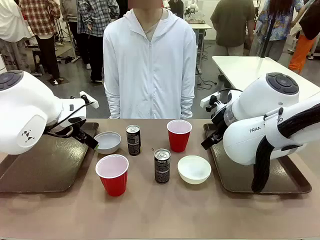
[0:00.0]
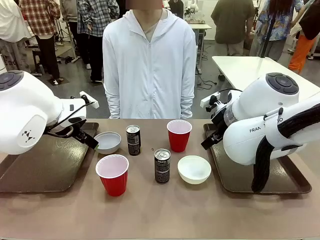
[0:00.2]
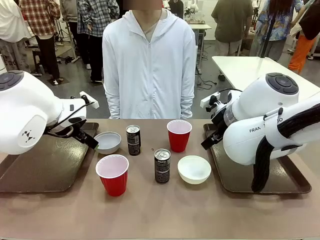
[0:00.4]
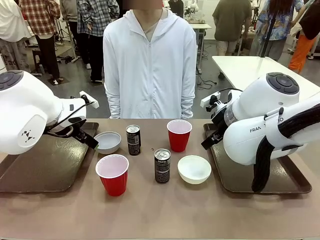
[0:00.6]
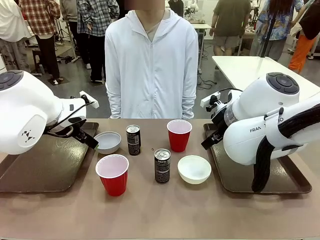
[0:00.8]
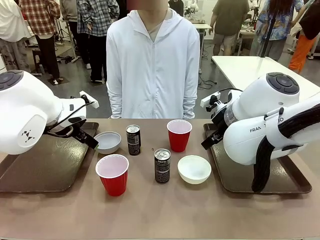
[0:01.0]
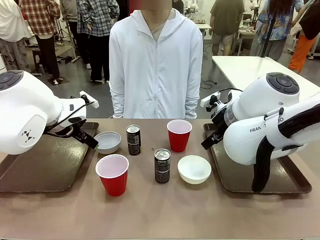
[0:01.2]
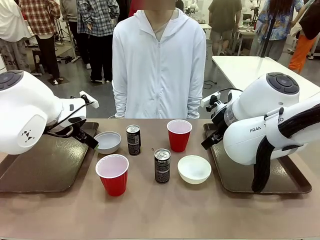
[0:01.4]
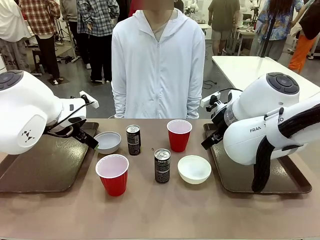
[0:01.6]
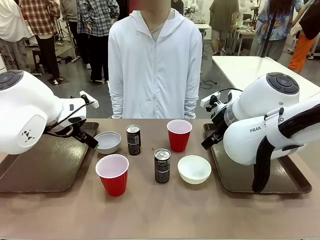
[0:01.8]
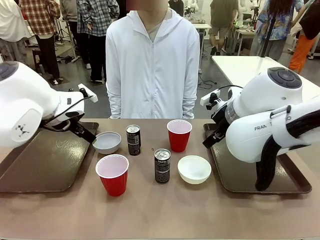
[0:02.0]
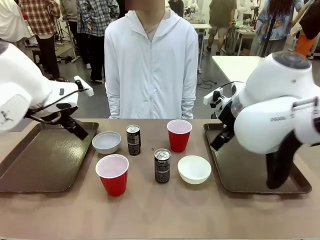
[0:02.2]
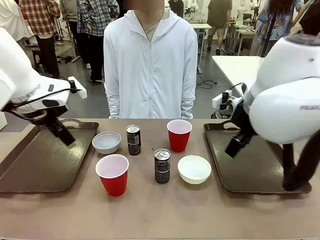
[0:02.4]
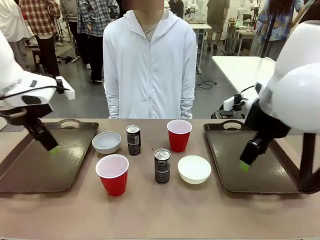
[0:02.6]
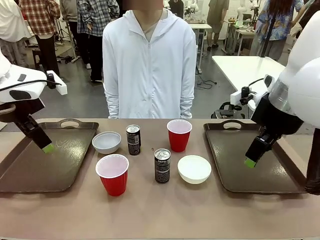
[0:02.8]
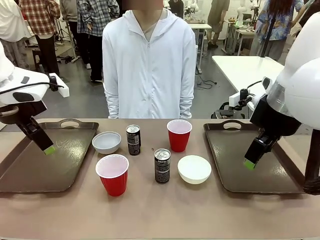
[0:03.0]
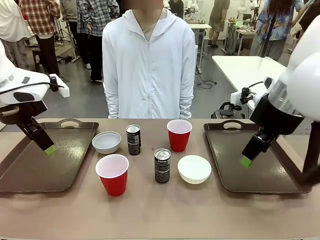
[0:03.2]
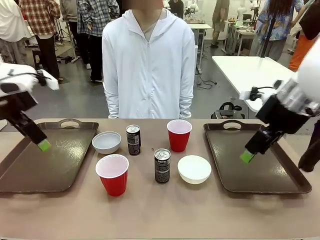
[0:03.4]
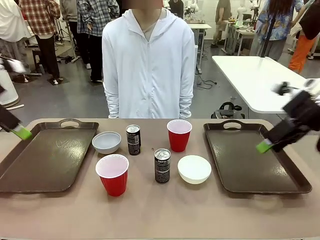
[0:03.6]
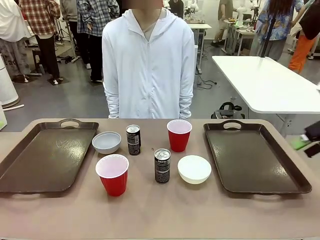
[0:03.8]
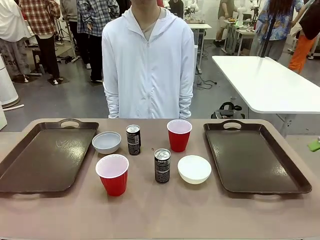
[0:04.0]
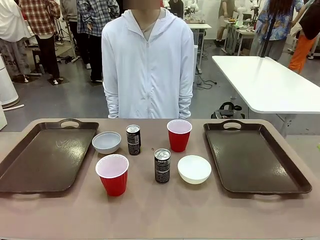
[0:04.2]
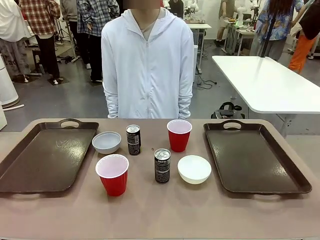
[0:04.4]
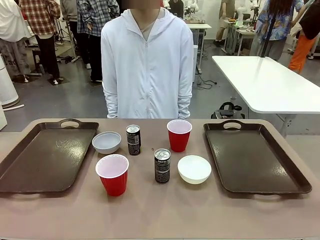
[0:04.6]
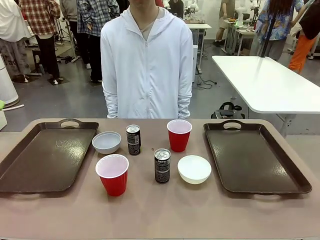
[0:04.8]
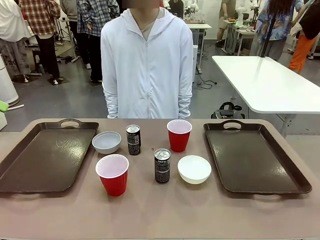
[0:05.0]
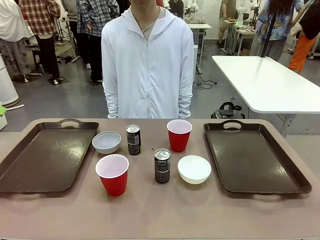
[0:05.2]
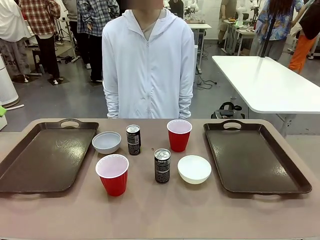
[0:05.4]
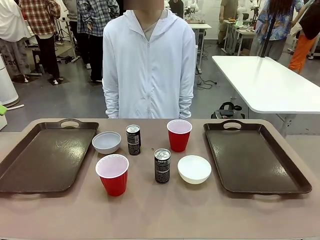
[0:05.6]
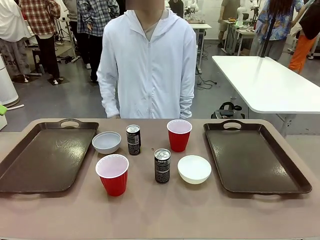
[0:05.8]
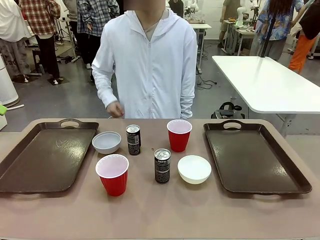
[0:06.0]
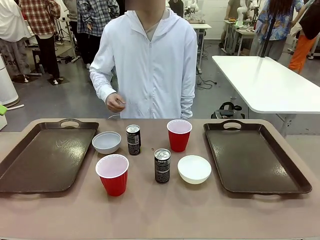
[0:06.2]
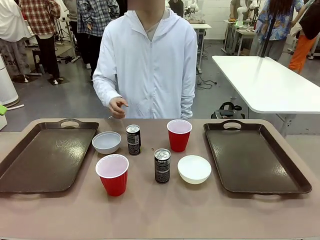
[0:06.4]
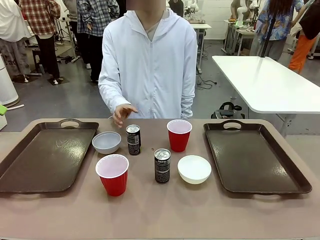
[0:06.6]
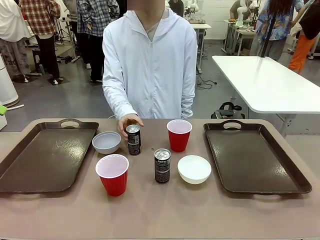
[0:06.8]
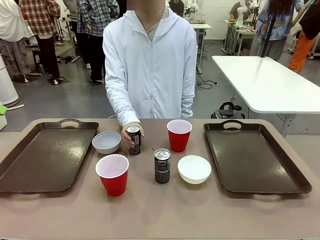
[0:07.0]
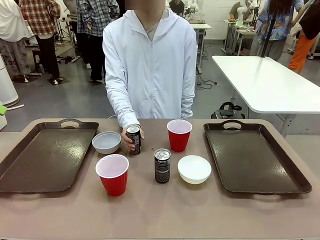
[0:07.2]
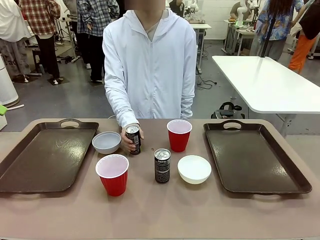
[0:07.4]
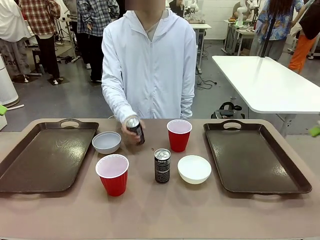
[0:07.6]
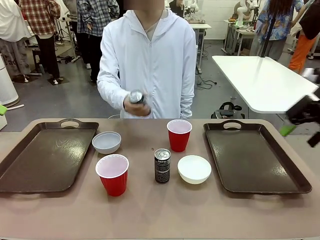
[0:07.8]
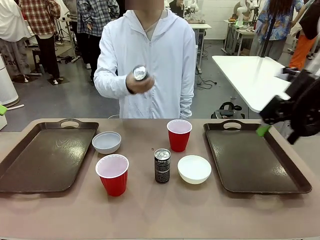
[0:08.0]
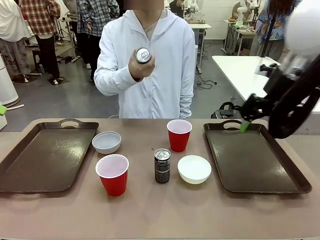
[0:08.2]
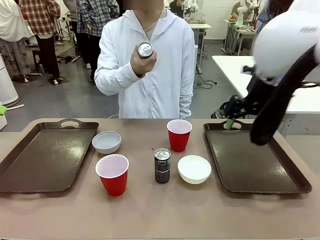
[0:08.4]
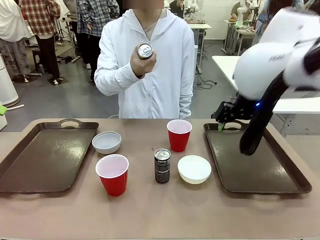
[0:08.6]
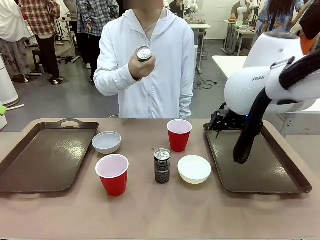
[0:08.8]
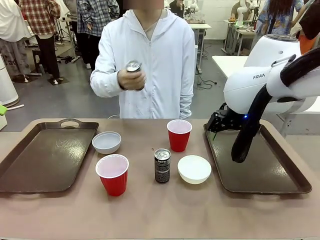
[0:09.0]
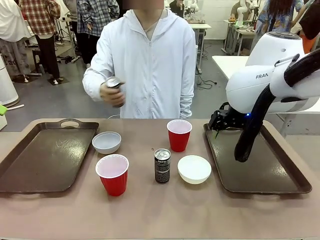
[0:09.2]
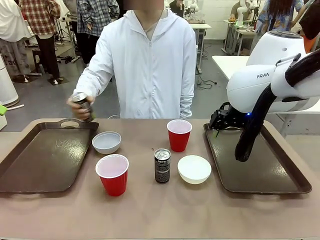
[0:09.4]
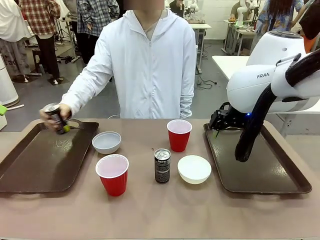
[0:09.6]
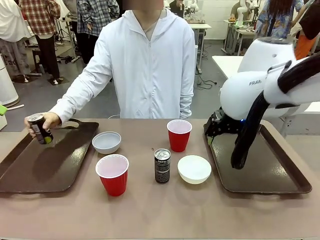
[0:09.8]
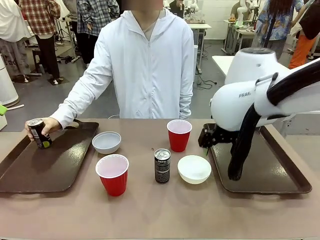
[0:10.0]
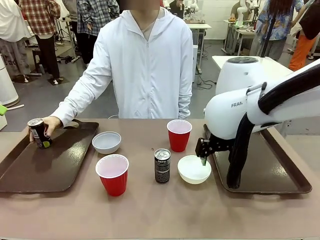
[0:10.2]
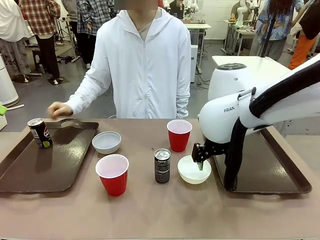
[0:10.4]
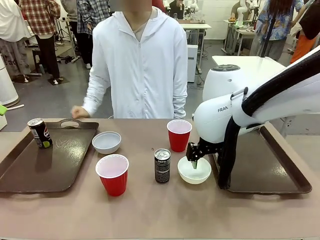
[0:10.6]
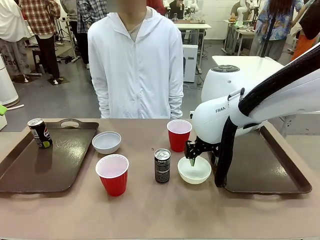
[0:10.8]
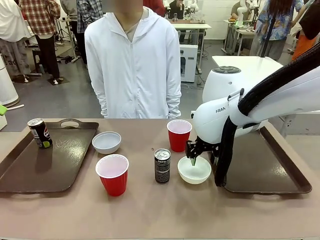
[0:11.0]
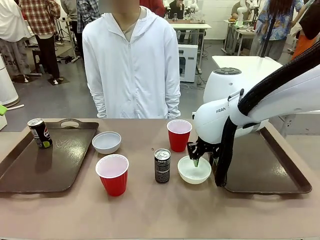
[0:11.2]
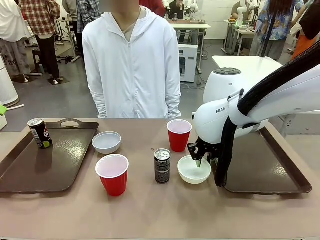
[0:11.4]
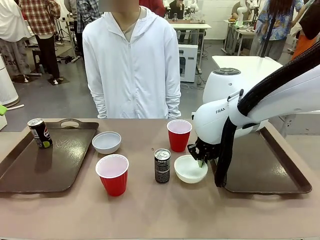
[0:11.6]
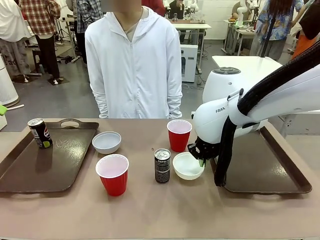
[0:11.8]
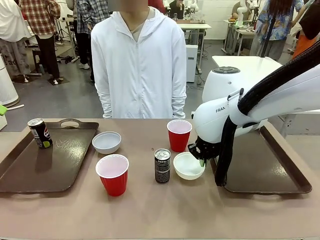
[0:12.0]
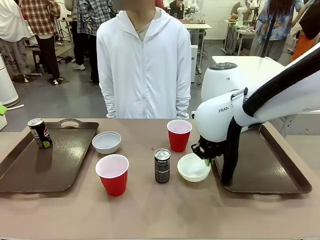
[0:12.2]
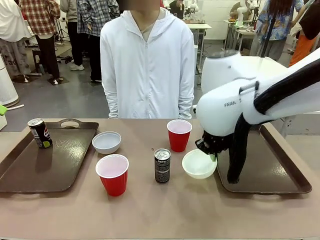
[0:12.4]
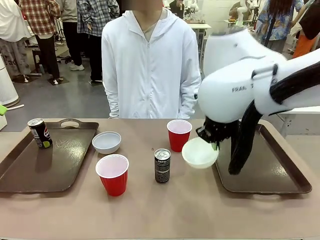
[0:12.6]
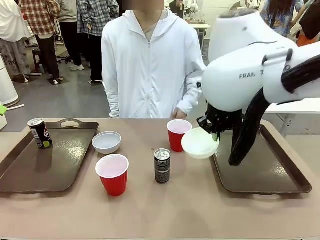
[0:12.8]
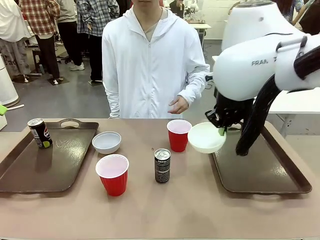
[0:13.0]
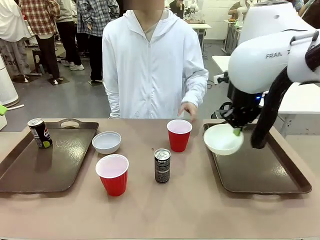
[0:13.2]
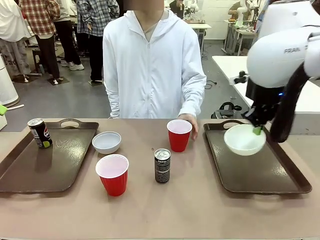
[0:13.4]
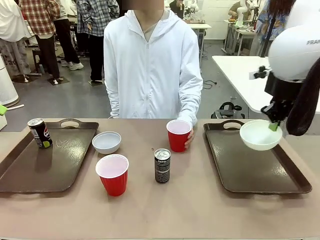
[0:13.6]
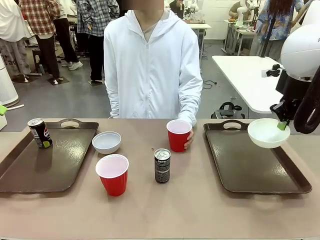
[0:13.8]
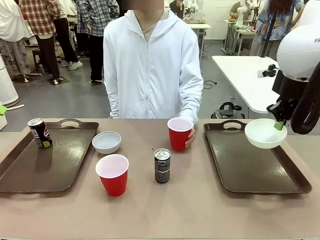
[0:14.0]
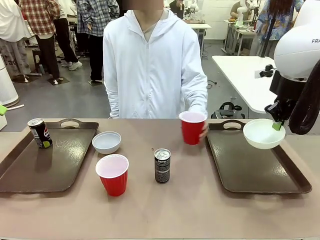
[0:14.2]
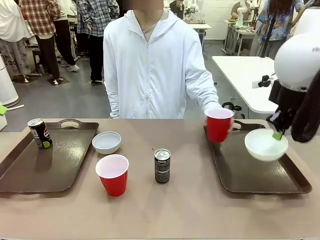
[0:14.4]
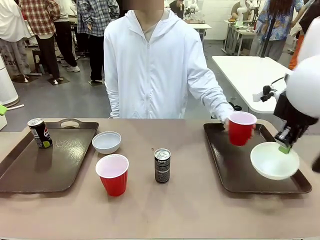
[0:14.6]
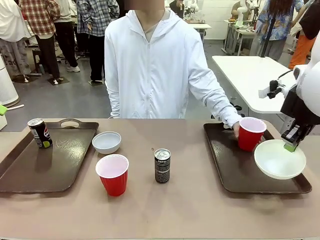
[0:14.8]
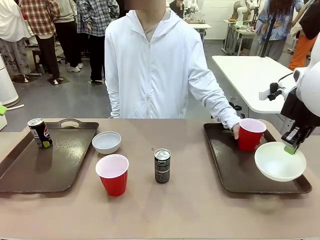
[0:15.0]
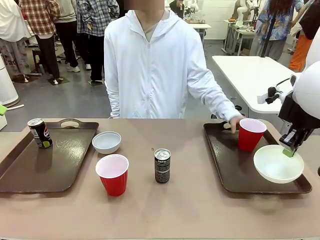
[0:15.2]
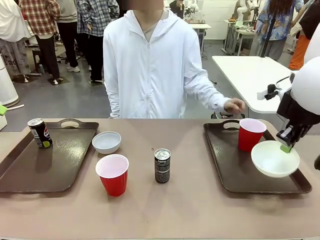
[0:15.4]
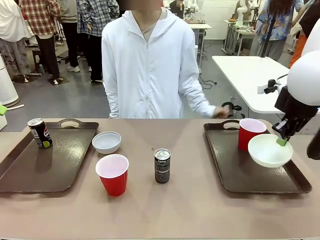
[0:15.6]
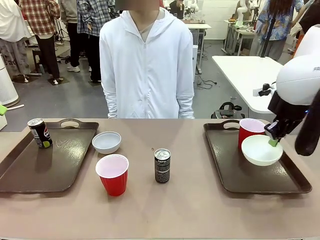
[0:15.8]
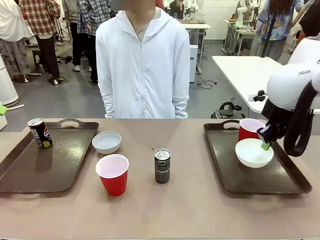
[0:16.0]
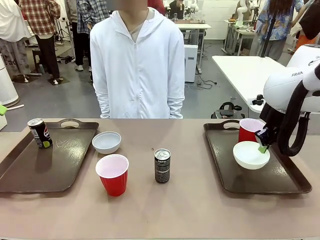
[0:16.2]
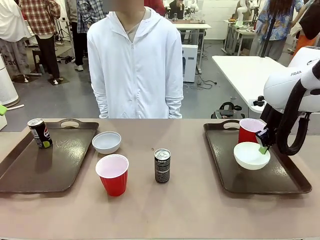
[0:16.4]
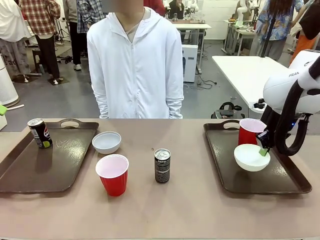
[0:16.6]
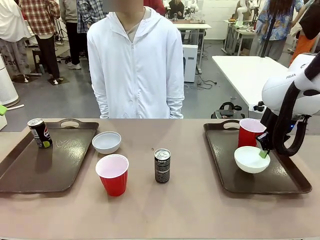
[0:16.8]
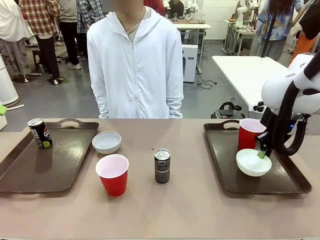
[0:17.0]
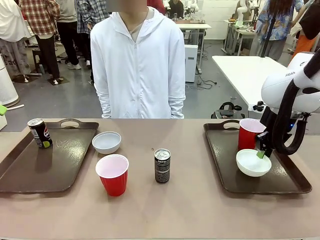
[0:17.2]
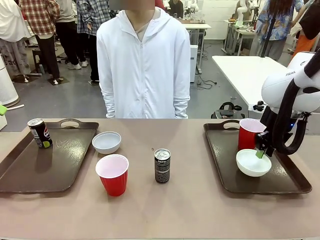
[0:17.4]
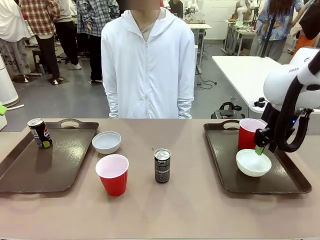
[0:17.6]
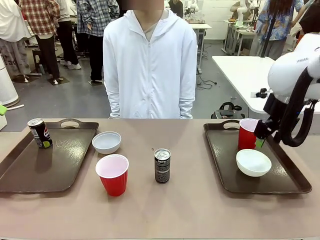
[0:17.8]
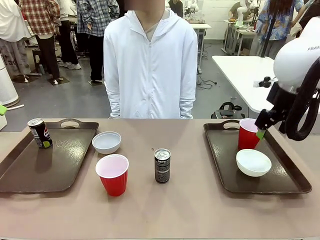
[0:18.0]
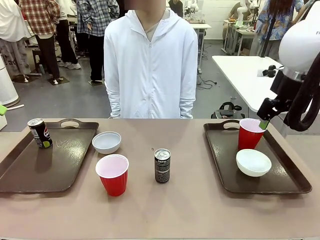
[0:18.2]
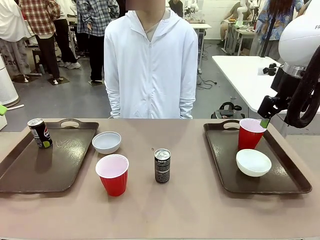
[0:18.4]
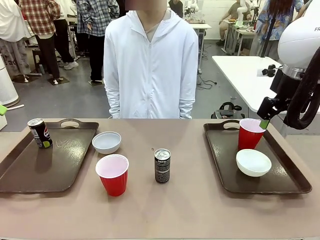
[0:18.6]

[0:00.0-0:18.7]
Task: Prepare tableware on both trays.
Robot: Pick up a Picnic Bowl from the table and place it on a Handle tray.
Person: Pick up a can or cup and place it on the tray.
